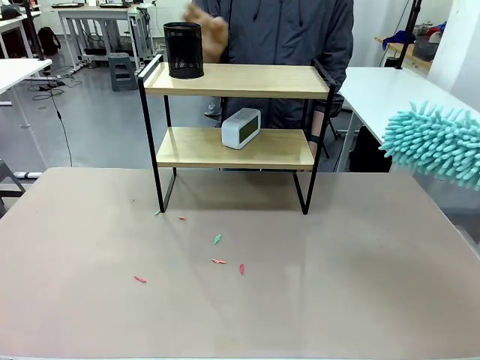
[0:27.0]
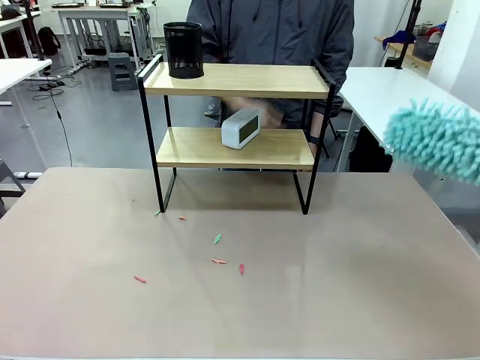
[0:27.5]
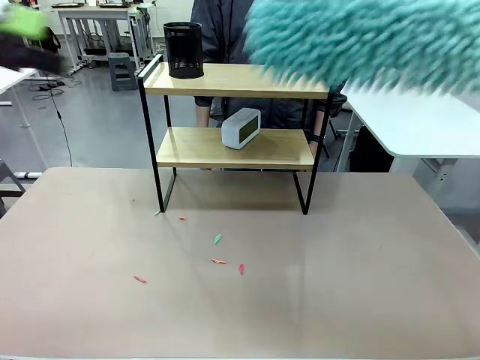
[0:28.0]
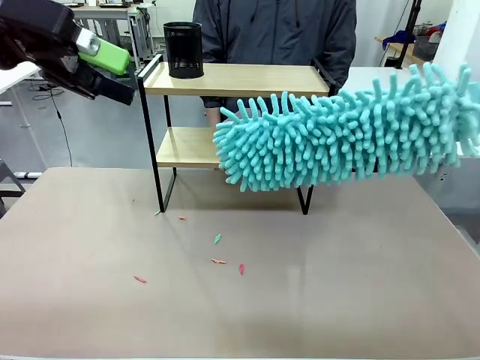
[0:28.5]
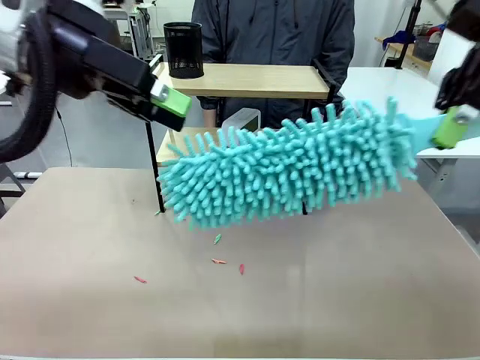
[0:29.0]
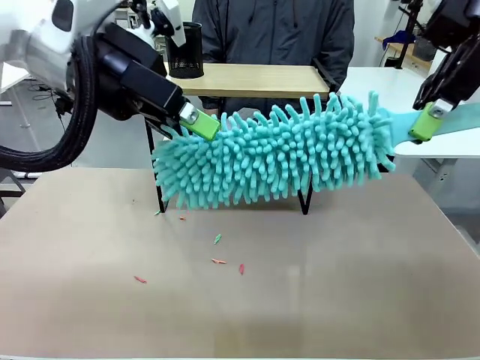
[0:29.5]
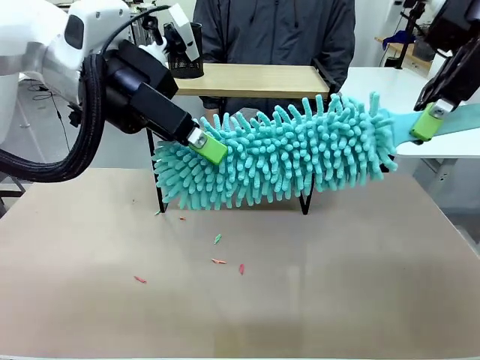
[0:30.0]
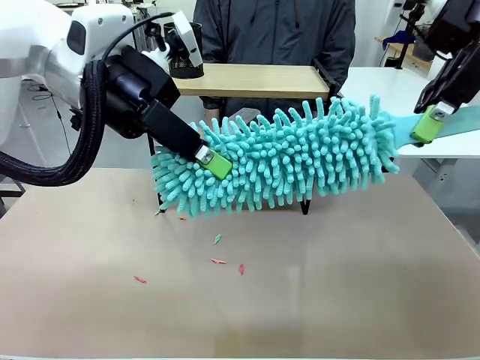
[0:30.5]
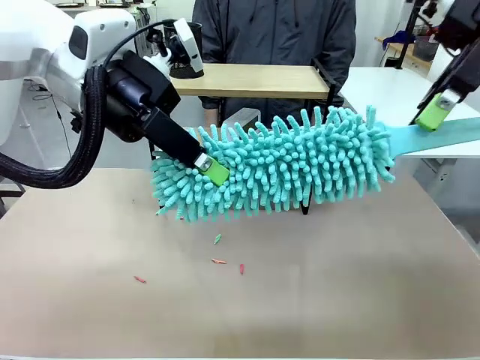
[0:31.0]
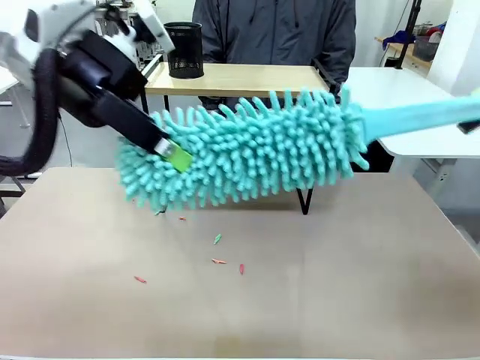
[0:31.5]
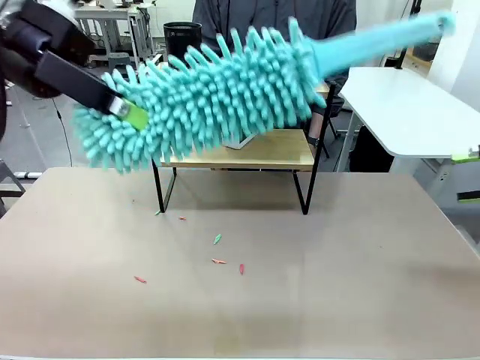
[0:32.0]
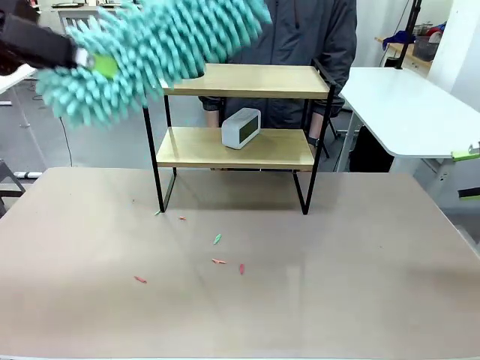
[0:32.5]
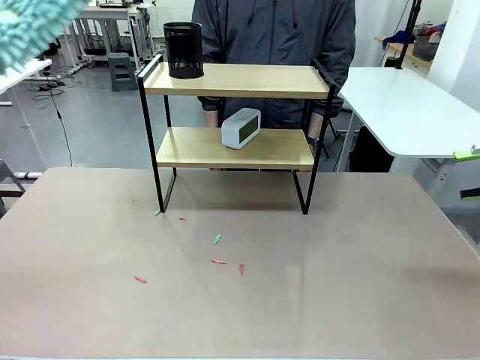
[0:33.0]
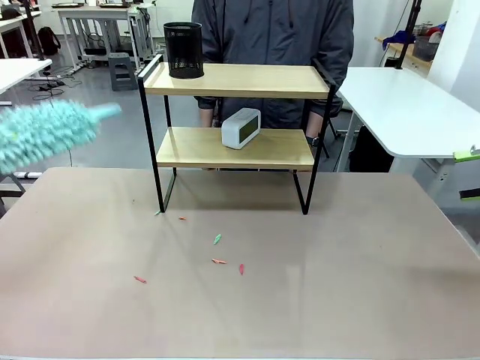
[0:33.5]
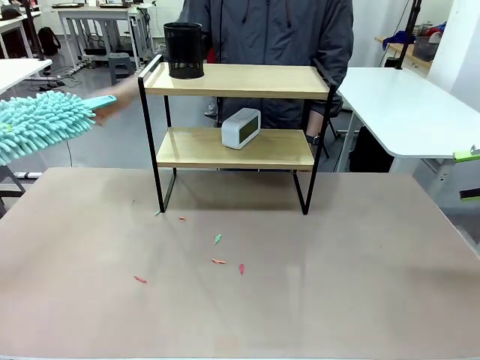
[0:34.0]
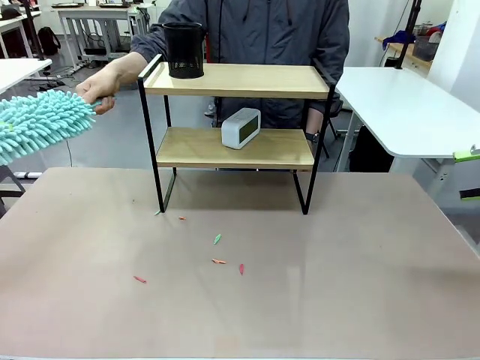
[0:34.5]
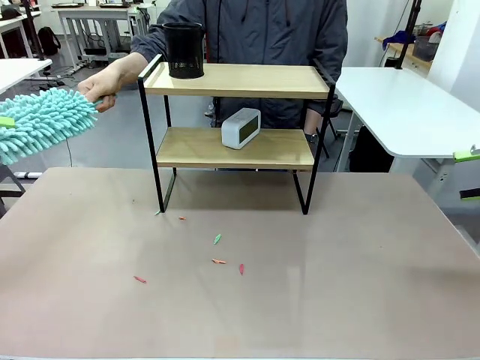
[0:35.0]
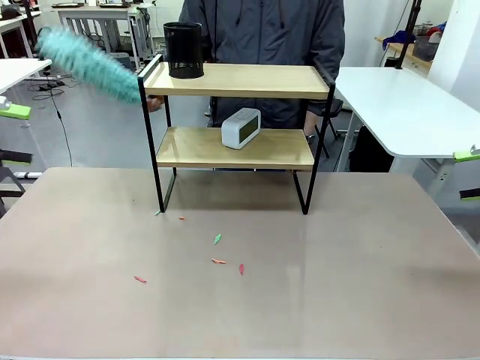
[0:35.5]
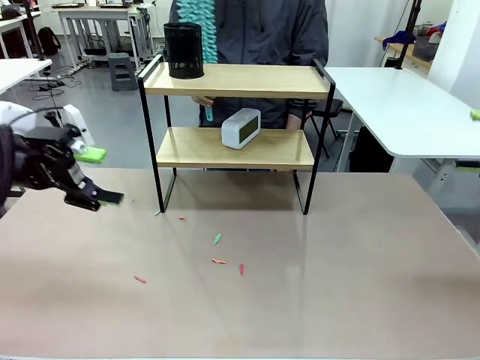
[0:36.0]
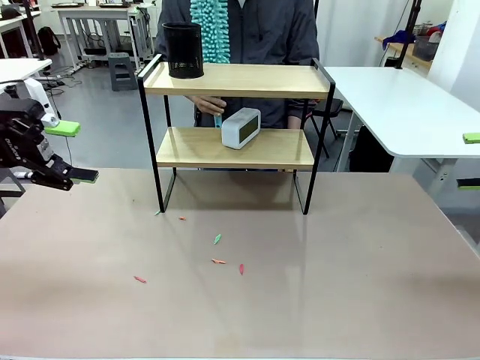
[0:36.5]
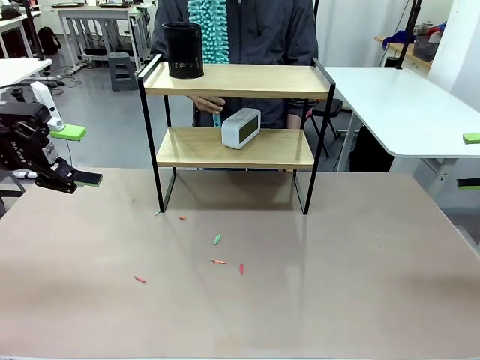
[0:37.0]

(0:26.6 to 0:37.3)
Task: Clean the shelf.
Robot: Hand the Duster back to the human.
Person: Receive the Duster from the robot.

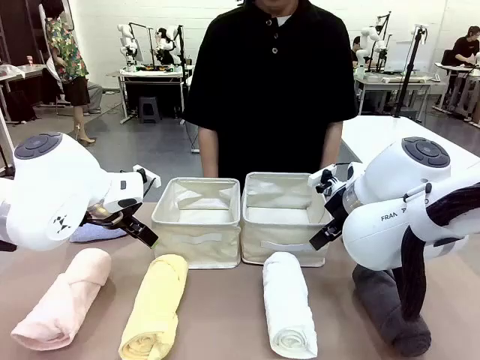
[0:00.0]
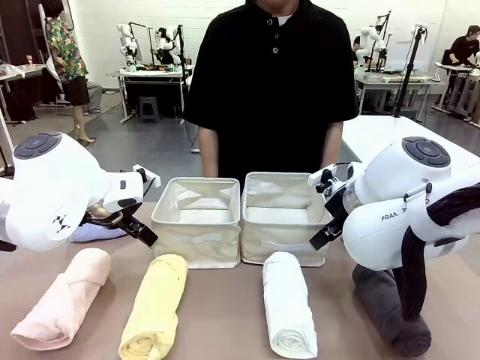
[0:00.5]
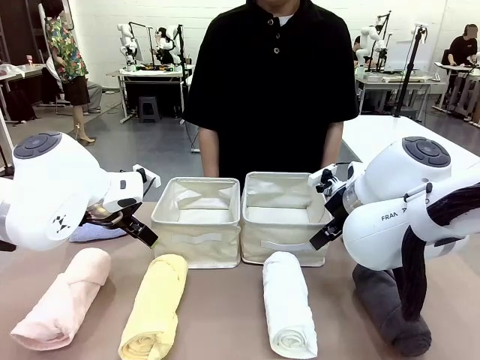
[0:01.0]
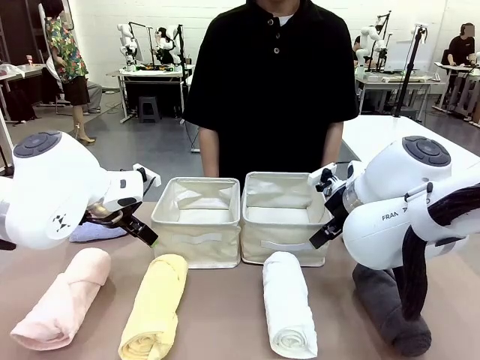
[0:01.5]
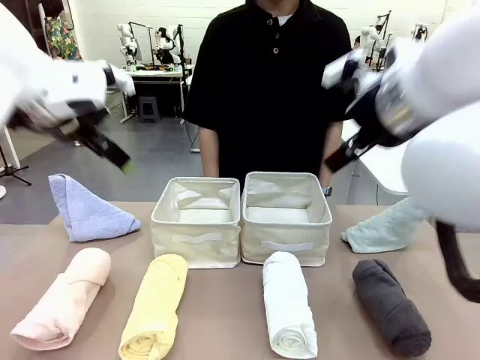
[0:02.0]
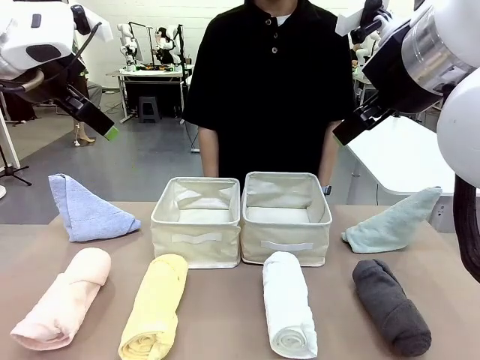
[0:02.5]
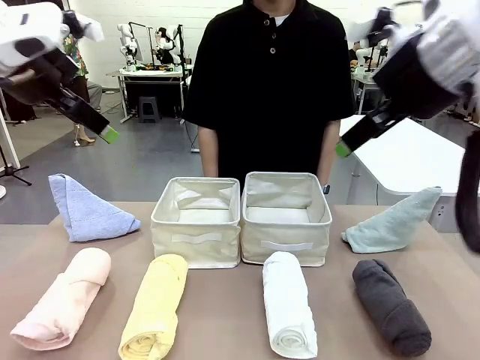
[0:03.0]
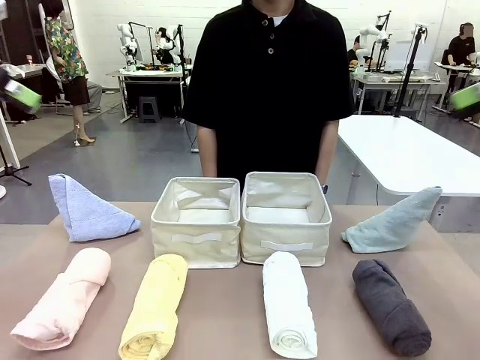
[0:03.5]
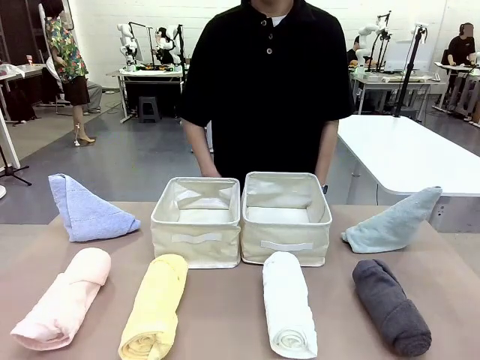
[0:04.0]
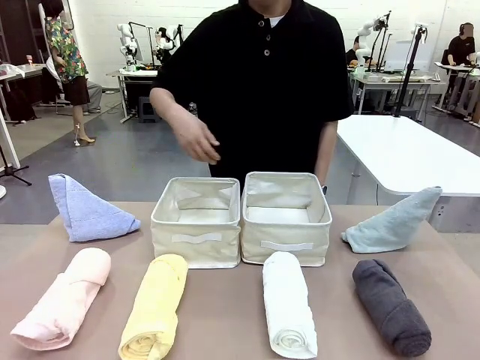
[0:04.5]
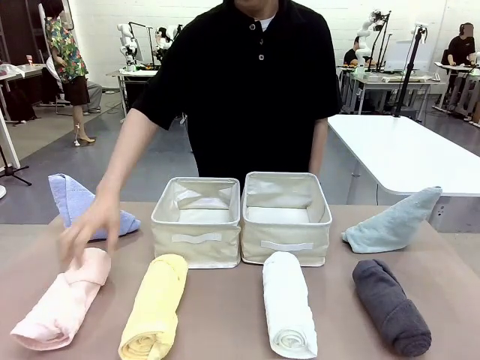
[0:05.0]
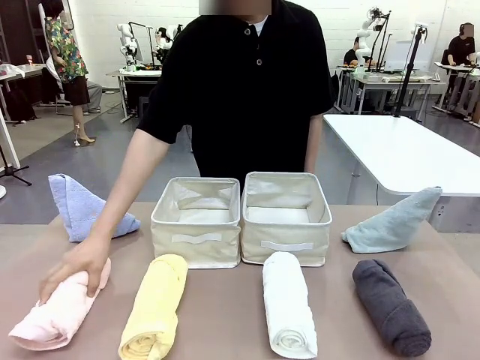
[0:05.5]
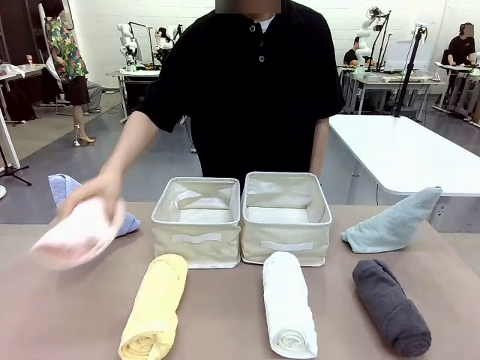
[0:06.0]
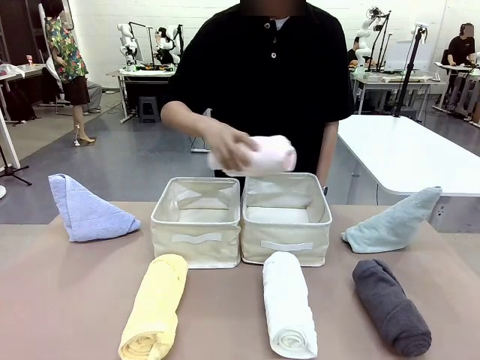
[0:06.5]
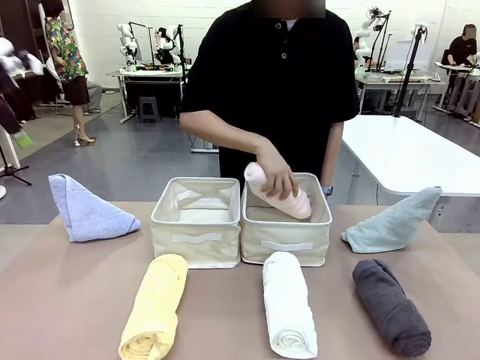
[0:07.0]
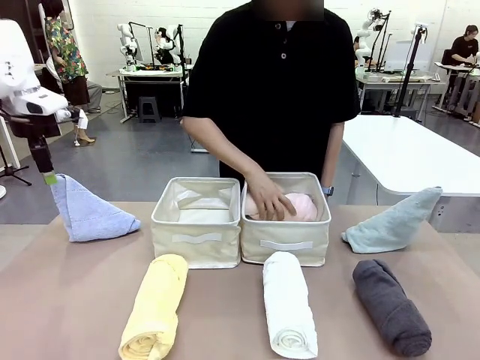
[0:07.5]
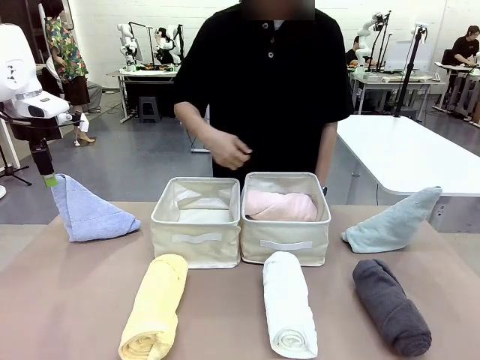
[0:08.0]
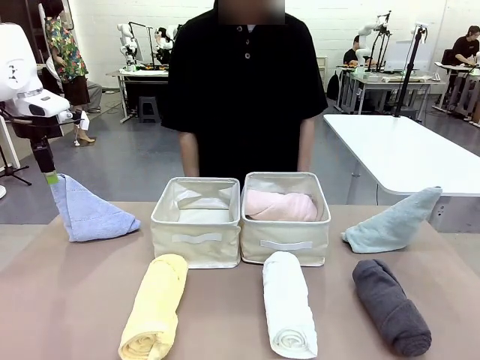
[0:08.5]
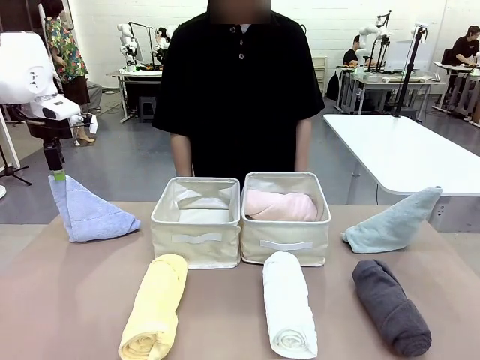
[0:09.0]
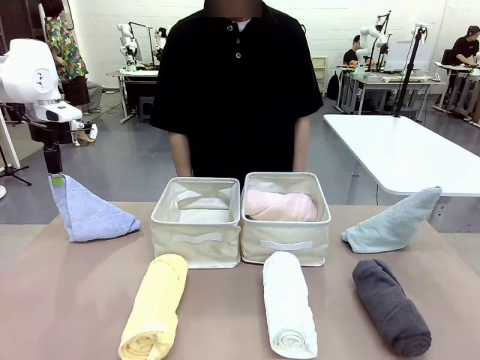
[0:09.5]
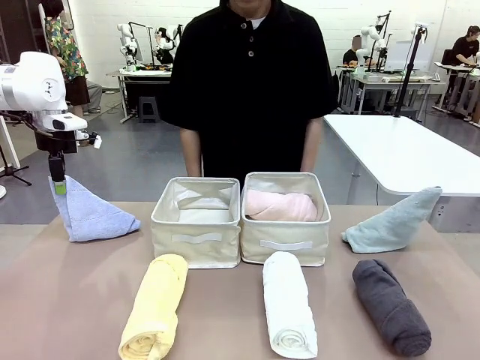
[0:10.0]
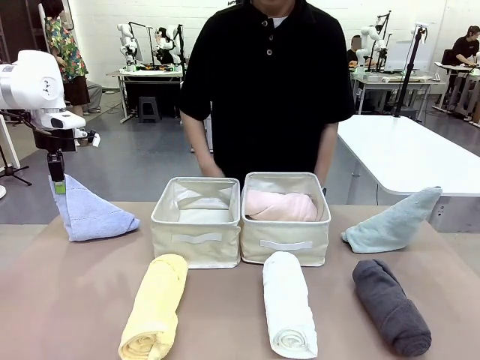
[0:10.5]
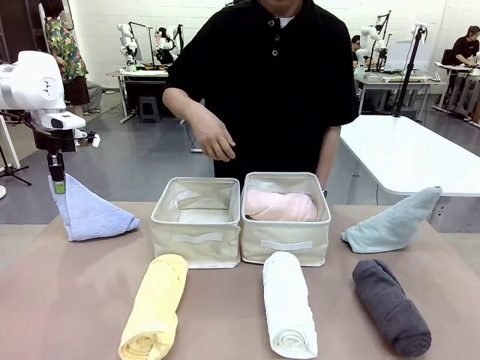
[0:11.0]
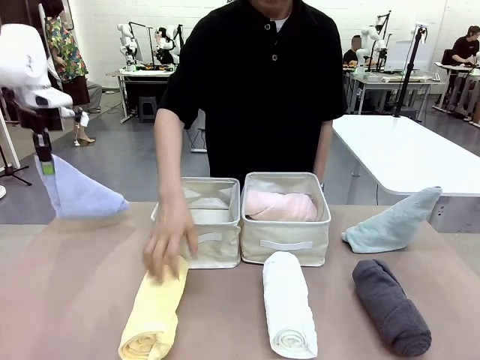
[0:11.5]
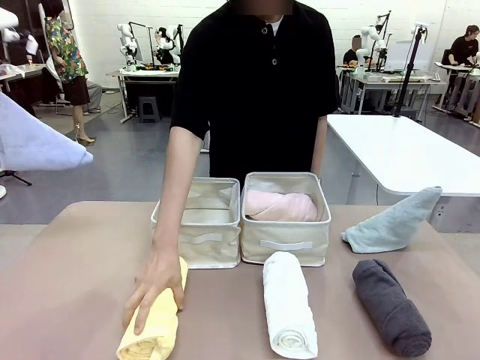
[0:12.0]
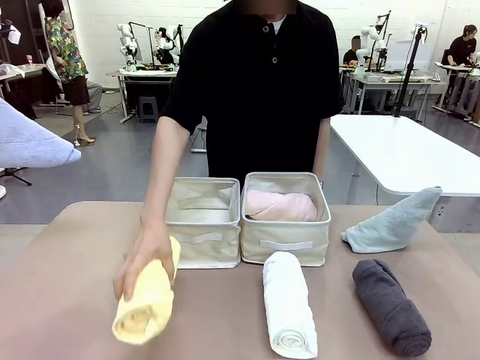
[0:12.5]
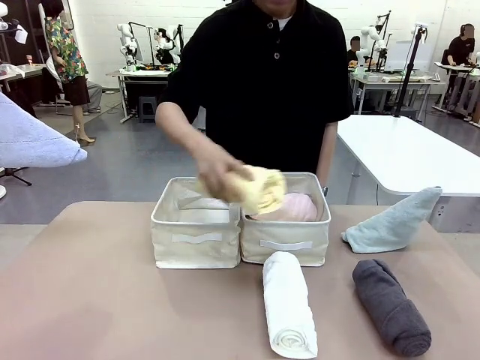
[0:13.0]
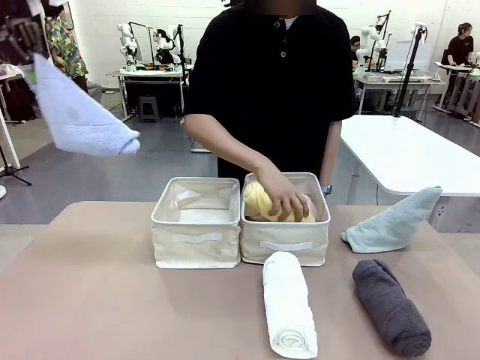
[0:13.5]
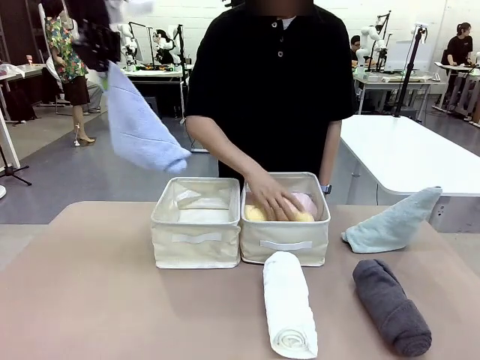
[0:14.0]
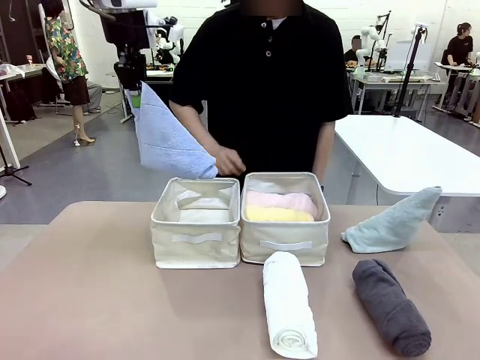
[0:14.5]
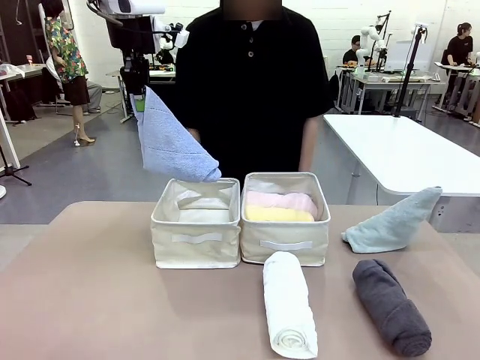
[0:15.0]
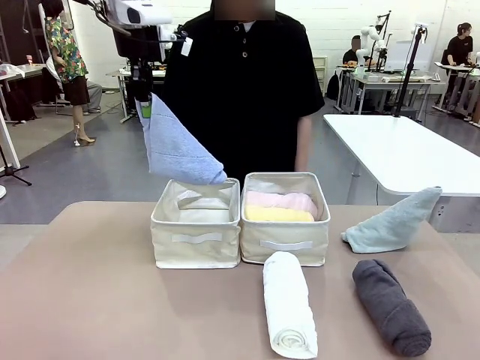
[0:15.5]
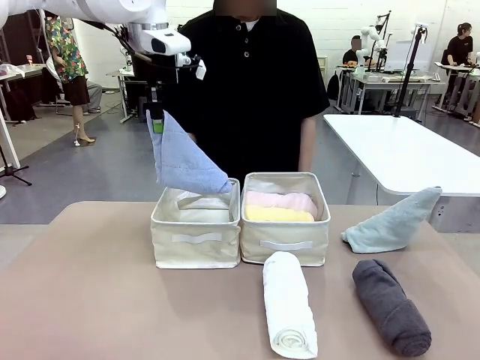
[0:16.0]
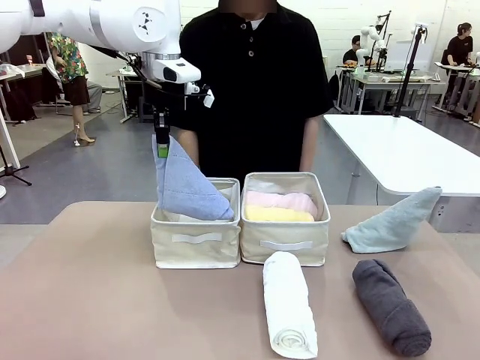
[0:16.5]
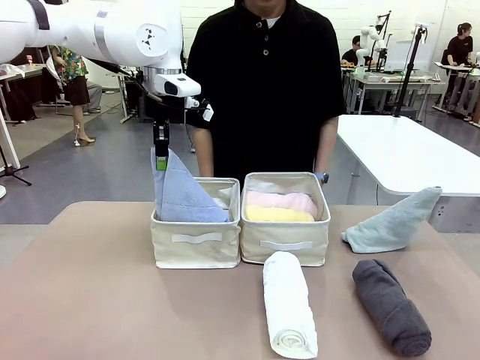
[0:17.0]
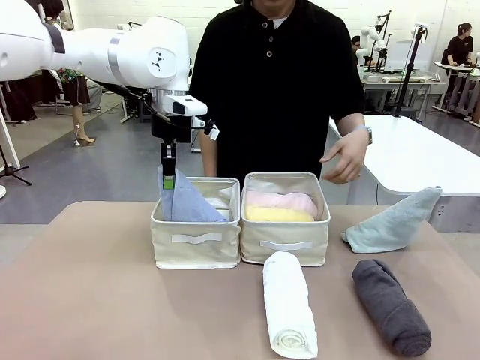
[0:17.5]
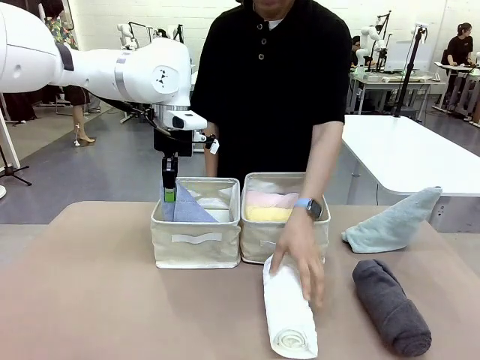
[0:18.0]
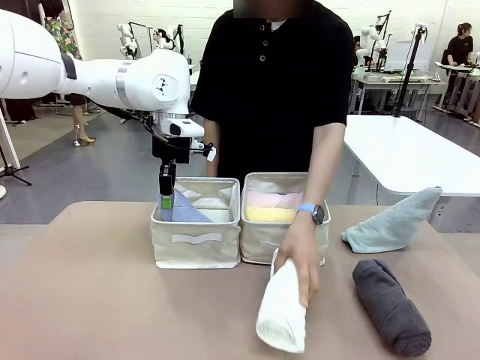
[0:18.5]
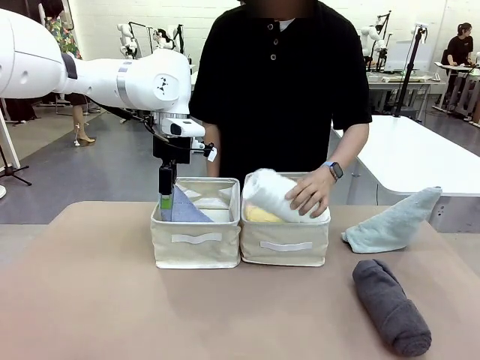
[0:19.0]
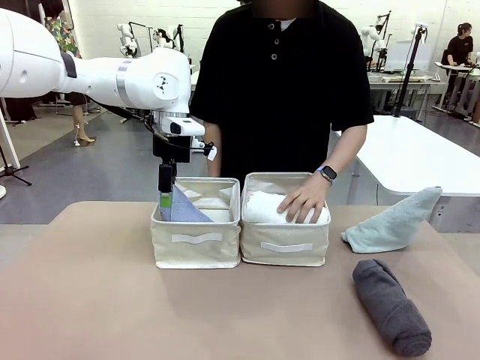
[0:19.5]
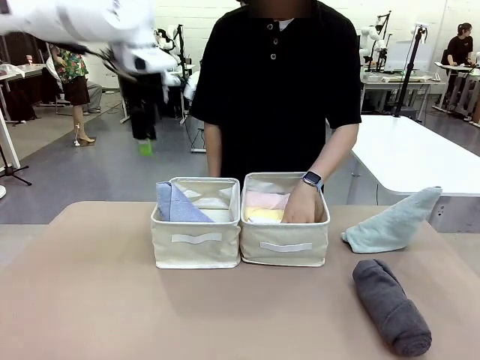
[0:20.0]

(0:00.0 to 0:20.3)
Task: Sort the towels based on their folding style.
Robot: Pick up one triangle-folded towel and place it in the left Fabric basket.
Person: Pick up one hotel-style rolled towel and place it in the left fabric basket.
